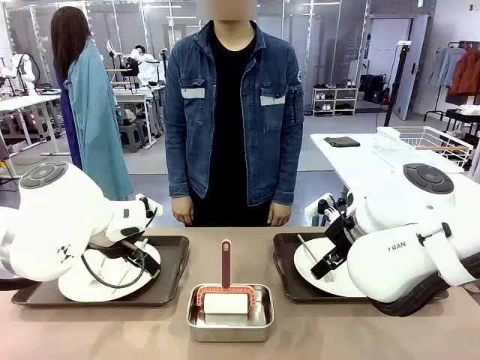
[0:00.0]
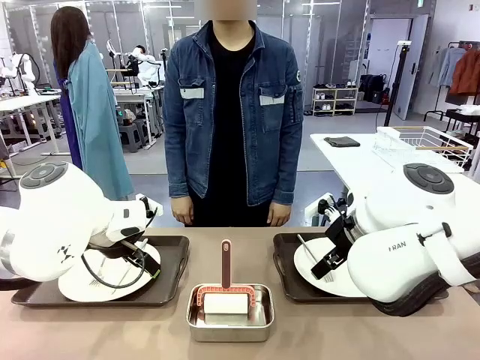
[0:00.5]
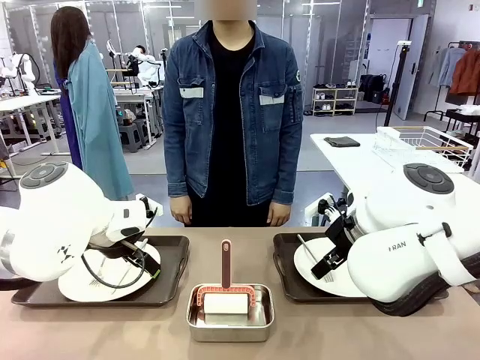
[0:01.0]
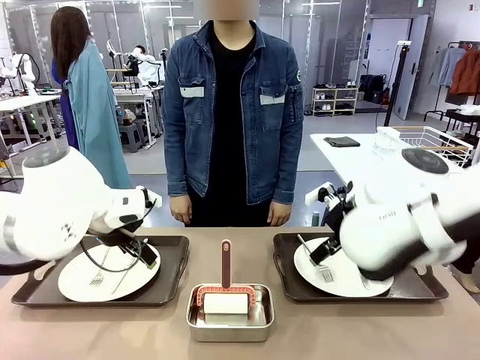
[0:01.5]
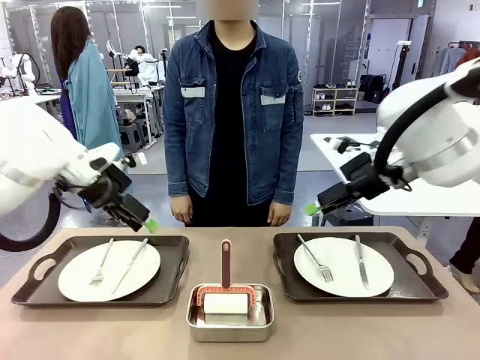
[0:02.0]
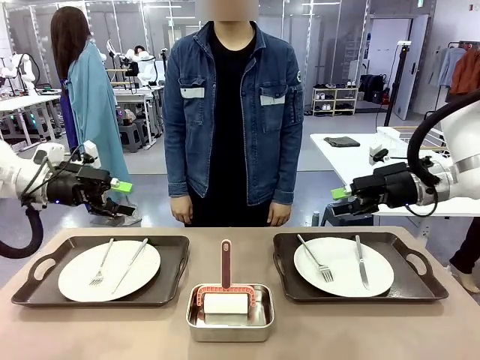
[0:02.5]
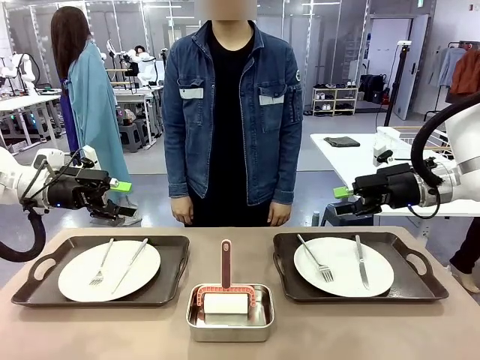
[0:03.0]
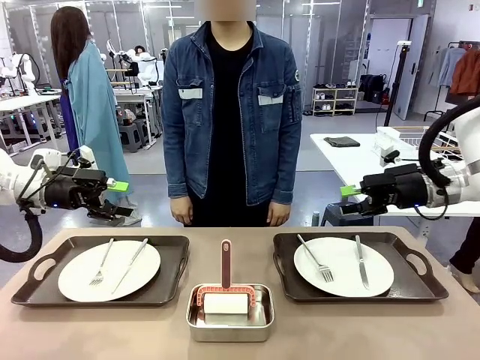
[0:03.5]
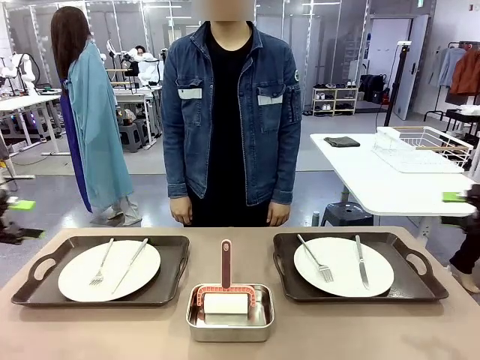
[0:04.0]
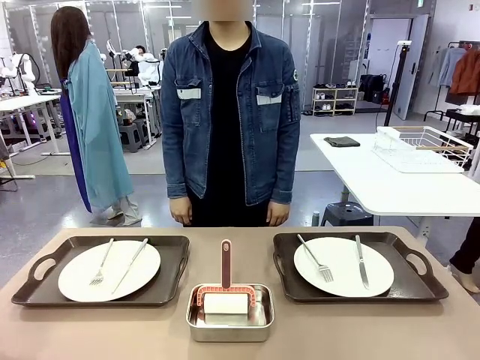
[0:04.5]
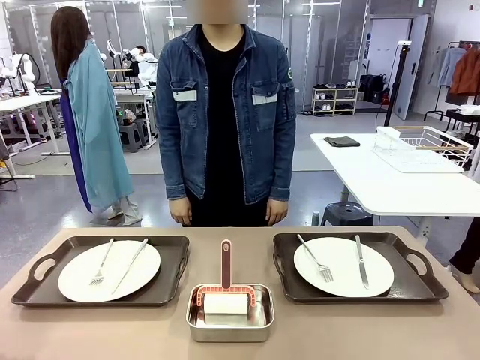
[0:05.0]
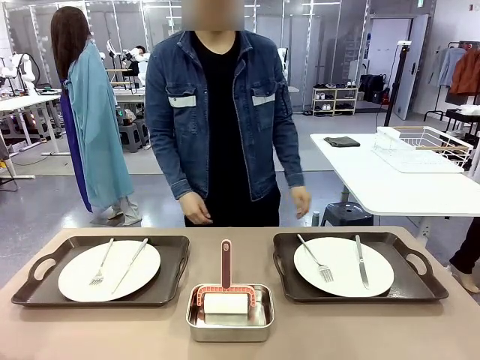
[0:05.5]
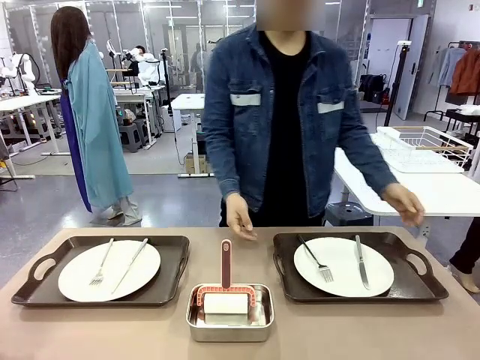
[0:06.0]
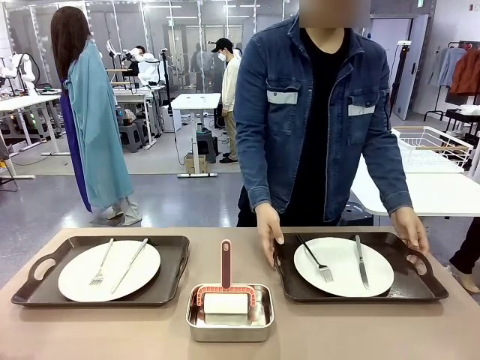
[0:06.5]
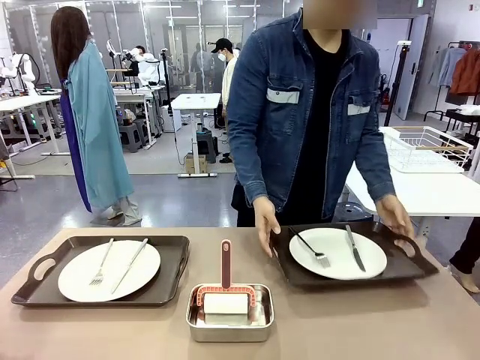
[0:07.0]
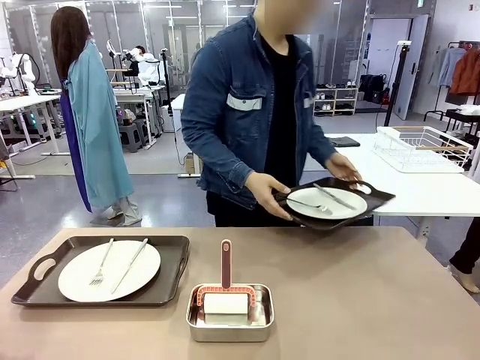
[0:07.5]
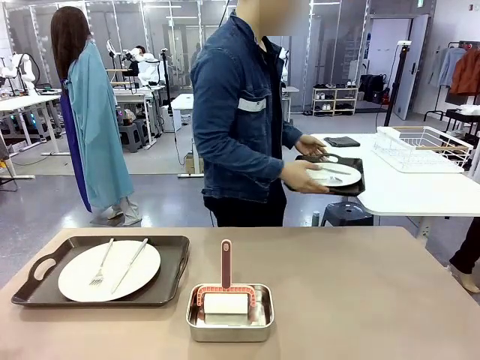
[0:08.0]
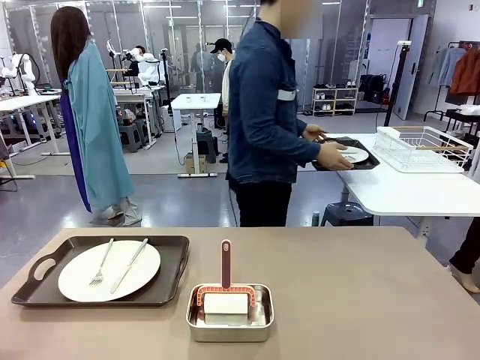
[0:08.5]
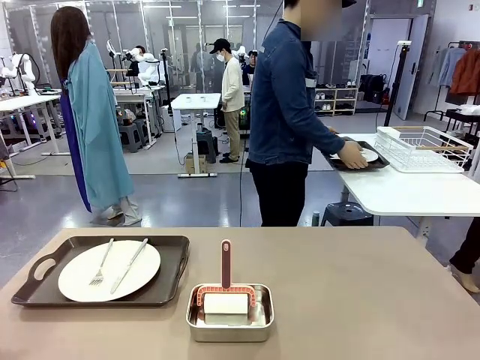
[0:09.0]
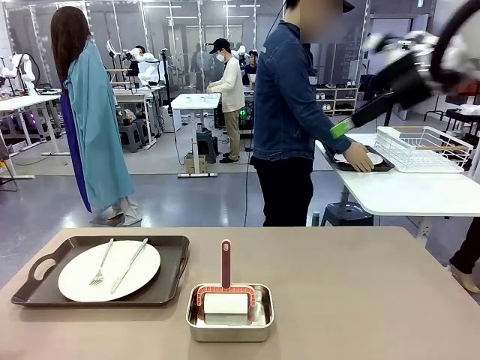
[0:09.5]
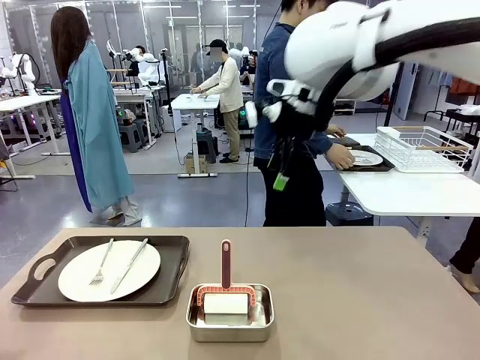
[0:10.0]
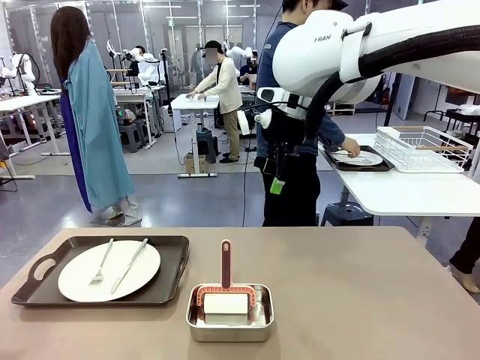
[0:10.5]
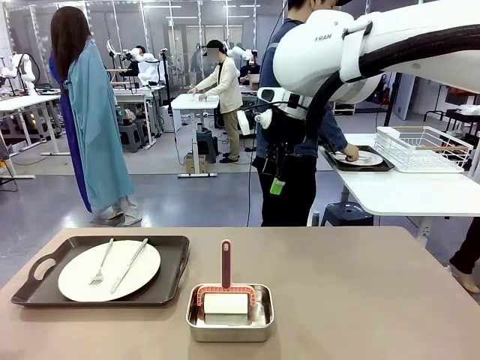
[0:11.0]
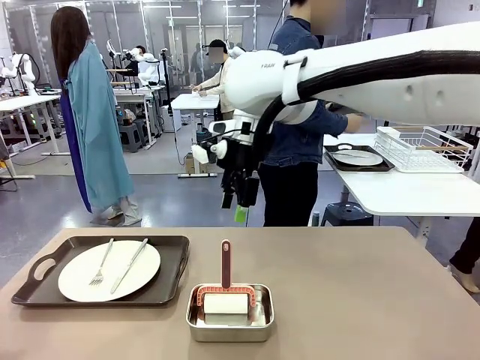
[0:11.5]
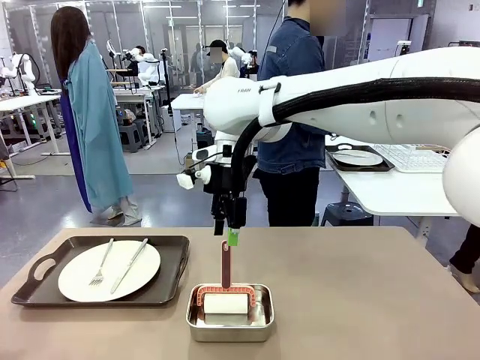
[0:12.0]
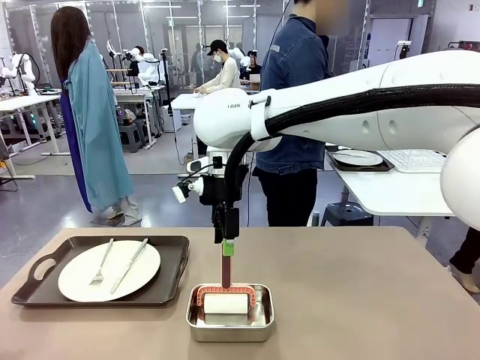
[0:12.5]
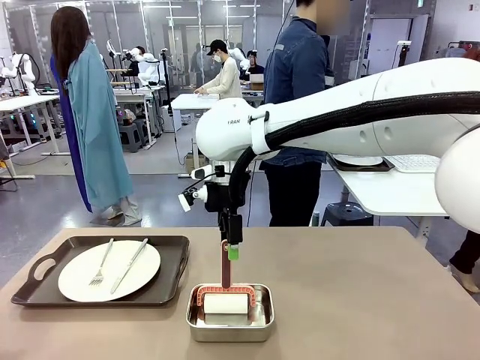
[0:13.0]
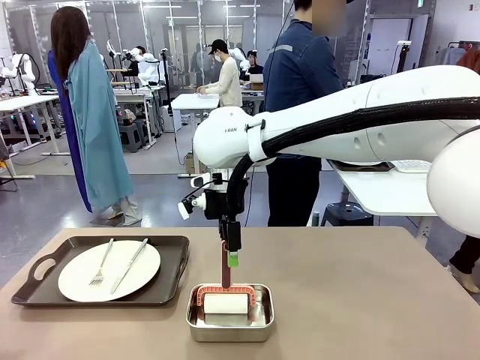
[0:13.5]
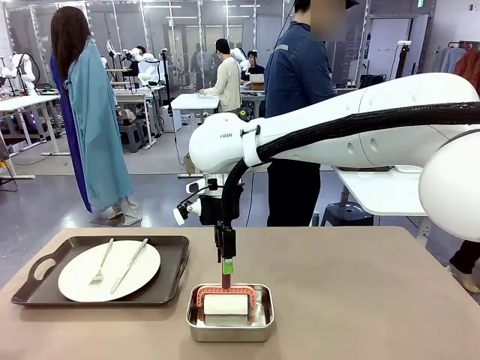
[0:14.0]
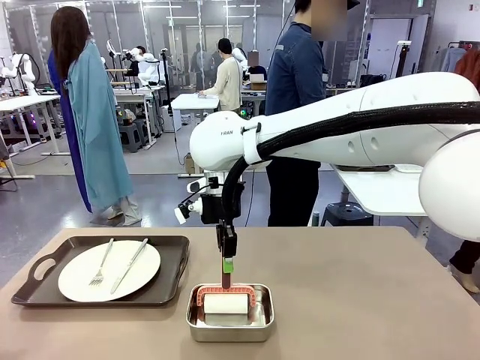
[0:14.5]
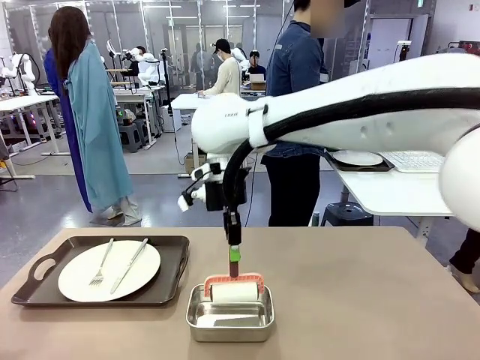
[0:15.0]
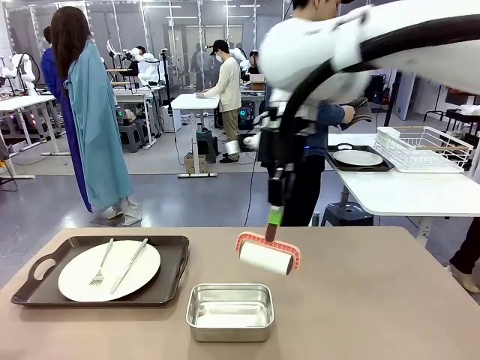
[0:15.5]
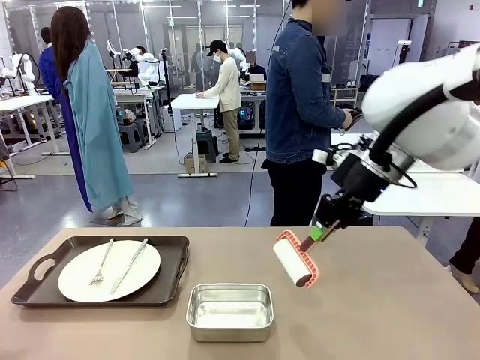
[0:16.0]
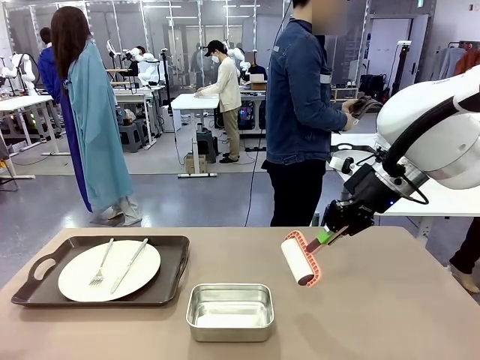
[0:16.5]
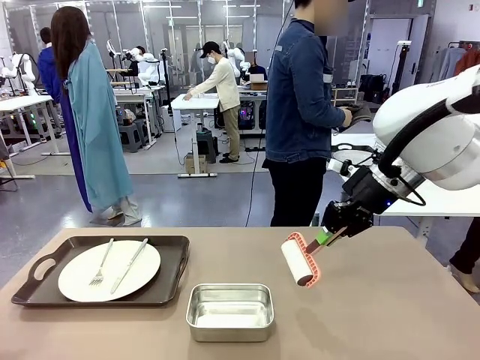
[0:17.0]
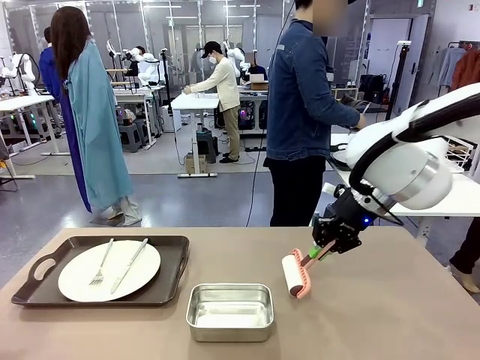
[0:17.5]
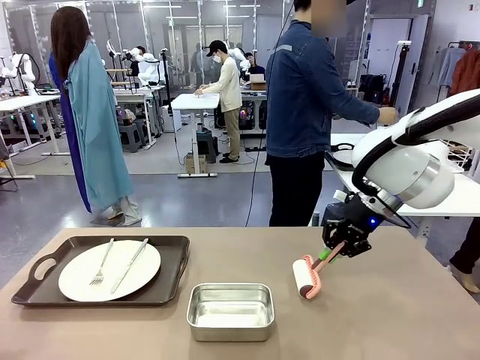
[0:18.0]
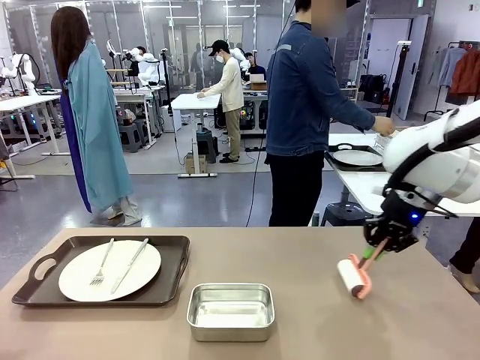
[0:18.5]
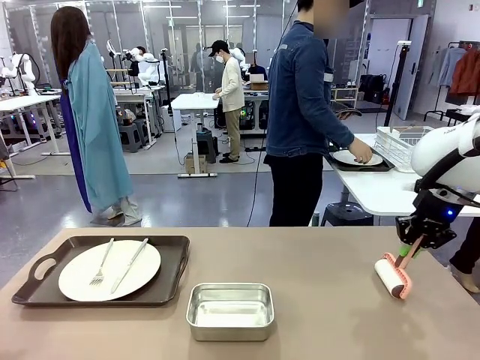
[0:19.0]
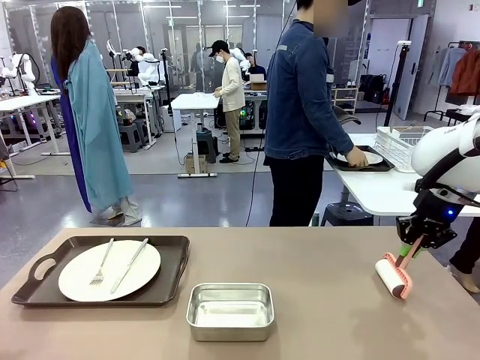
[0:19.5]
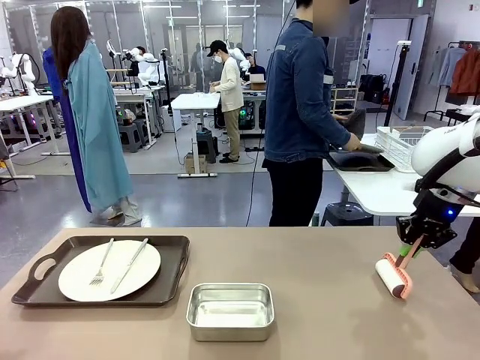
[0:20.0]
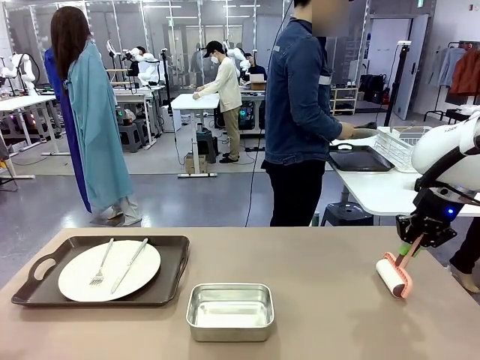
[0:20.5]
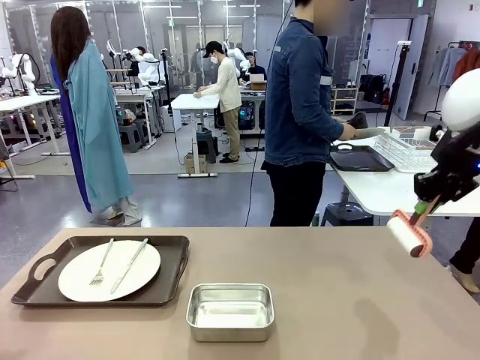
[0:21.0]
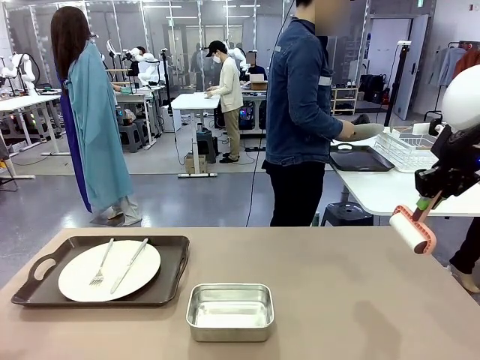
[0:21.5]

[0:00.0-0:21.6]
Robot: When the left (or right) Handle tray is removed, use the left hand (or right hand) to clean the left (or right) side of the table with the Lint Roller.
Person: Pick up the left (or right) Handle tray and place it on the middle of the Human's table. Use the Towel with hook to wipe the Plastic Matte Plate , Fork , and Knife and place into the Dish drying rack.

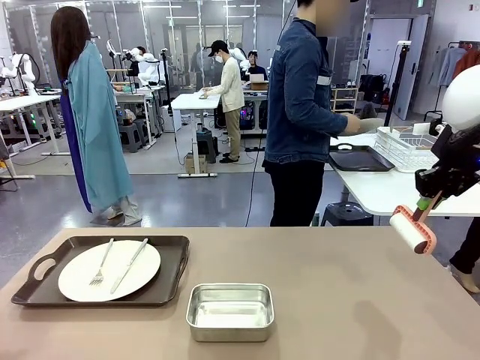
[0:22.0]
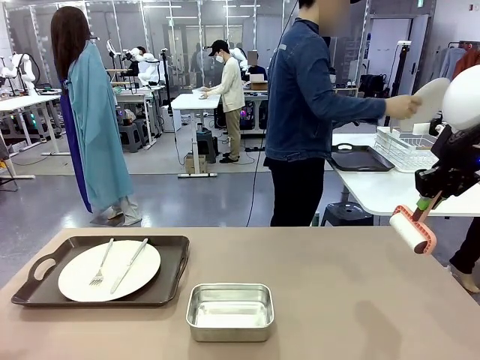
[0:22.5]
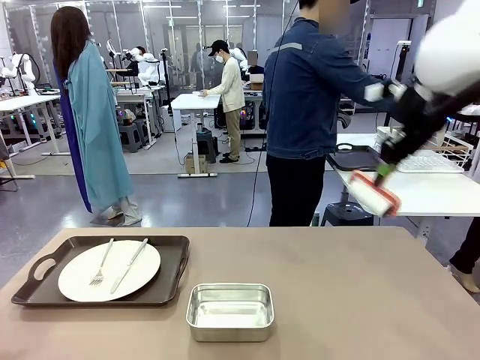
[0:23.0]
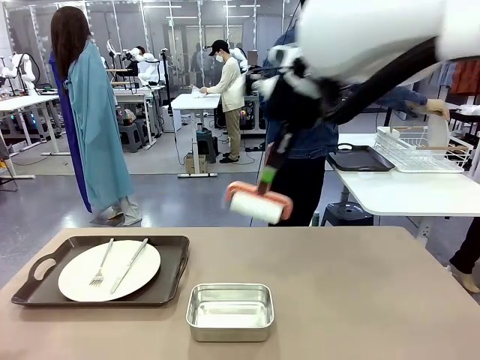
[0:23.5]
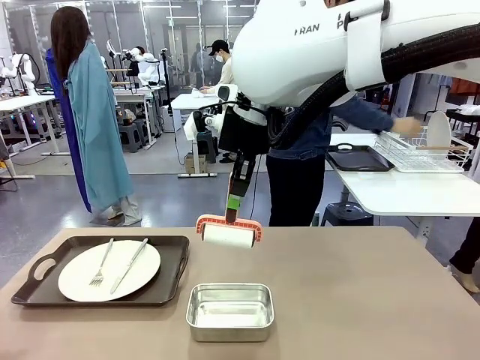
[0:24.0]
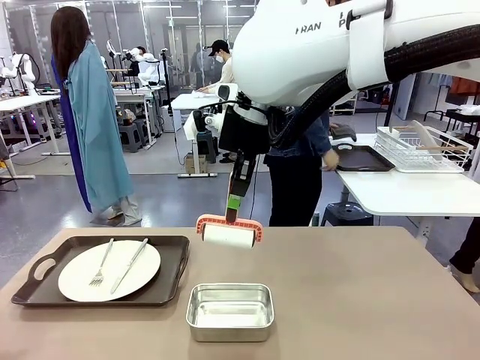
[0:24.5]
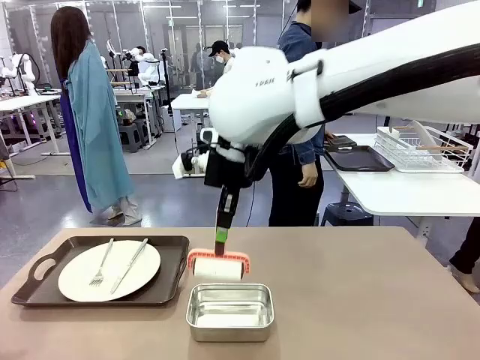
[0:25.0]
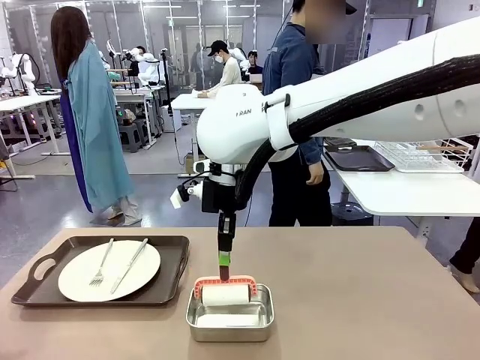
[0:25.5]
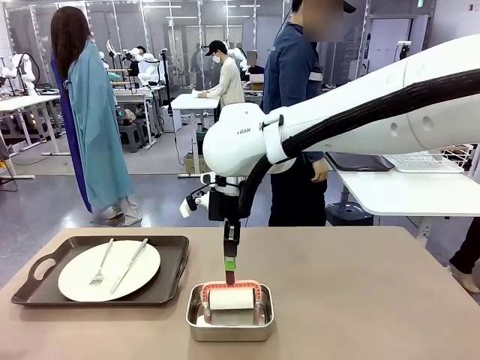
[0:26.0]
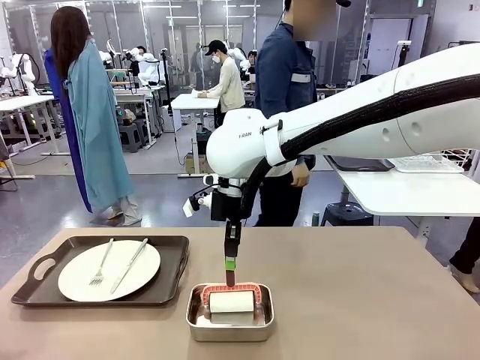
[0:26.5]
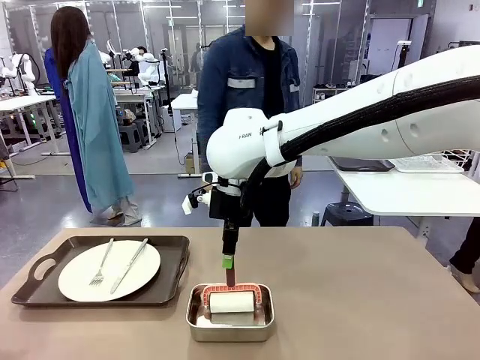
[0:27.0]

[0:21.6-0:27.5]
Robot: Place the Lint Roller back on top of the Airtight Container.
